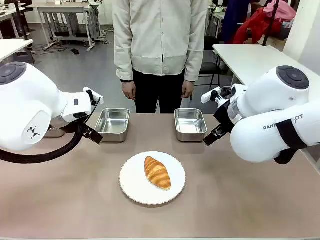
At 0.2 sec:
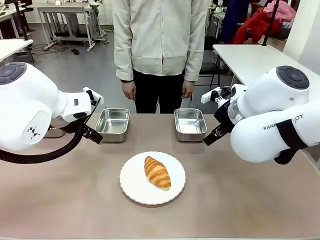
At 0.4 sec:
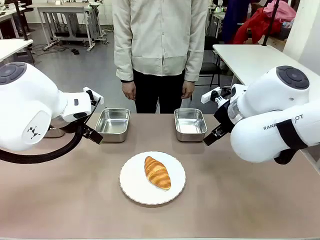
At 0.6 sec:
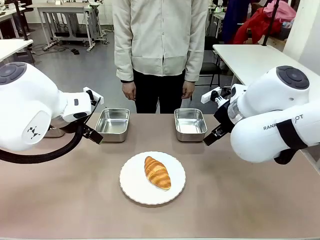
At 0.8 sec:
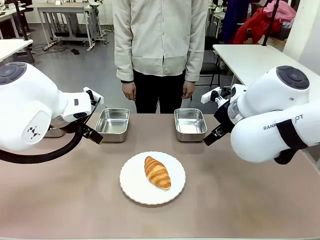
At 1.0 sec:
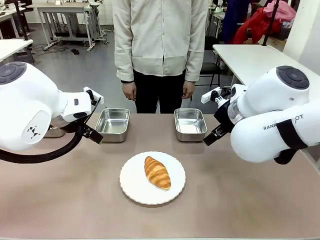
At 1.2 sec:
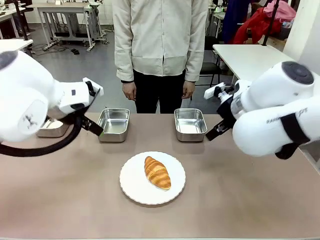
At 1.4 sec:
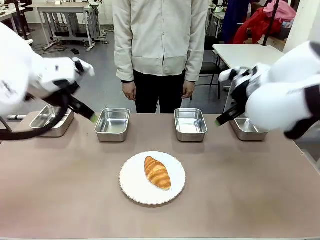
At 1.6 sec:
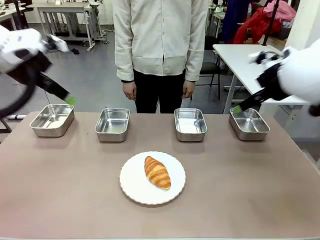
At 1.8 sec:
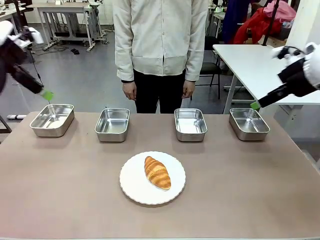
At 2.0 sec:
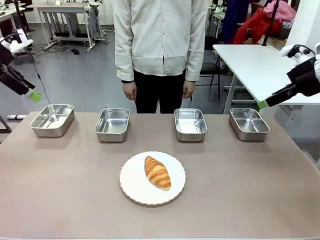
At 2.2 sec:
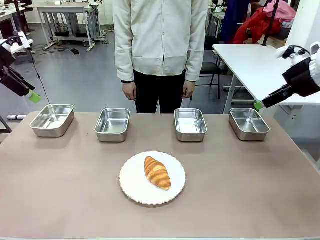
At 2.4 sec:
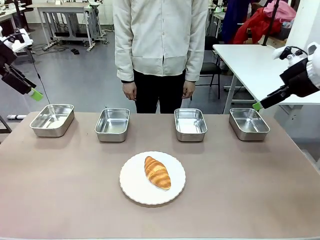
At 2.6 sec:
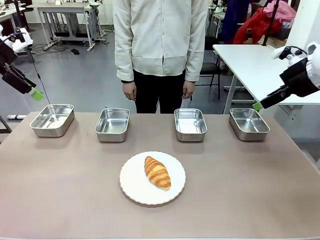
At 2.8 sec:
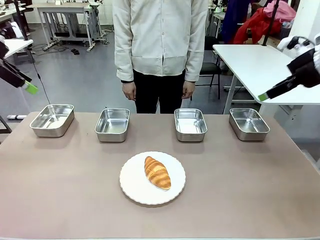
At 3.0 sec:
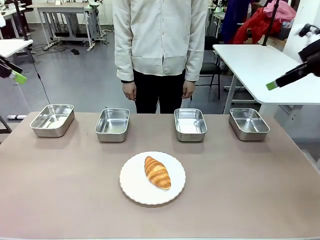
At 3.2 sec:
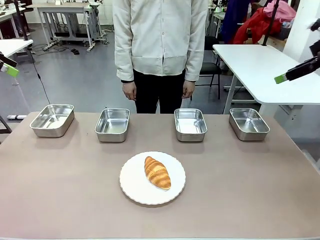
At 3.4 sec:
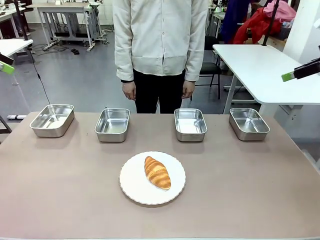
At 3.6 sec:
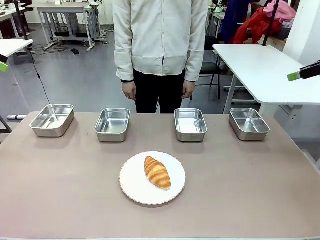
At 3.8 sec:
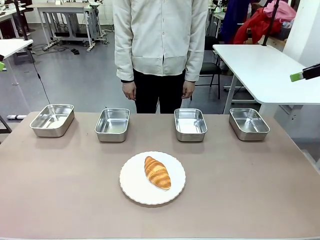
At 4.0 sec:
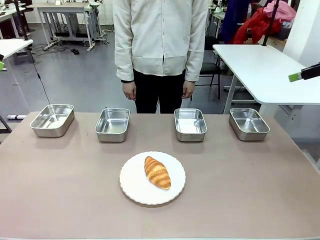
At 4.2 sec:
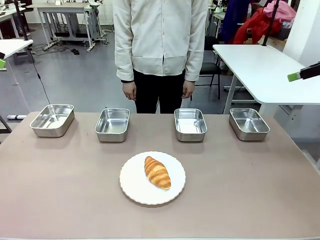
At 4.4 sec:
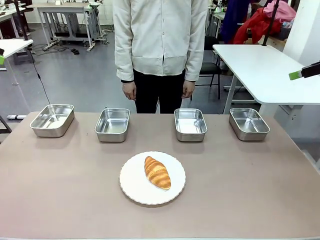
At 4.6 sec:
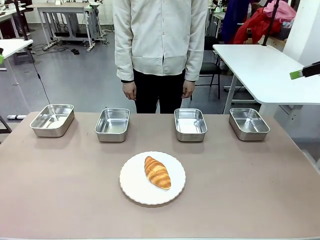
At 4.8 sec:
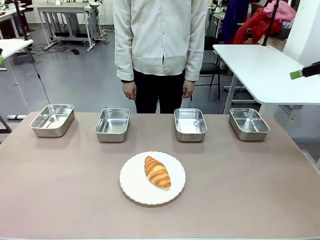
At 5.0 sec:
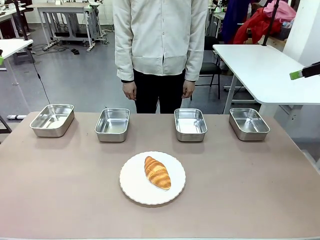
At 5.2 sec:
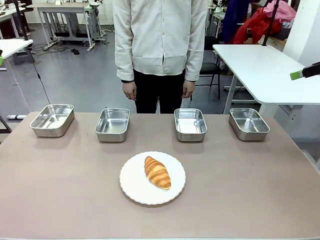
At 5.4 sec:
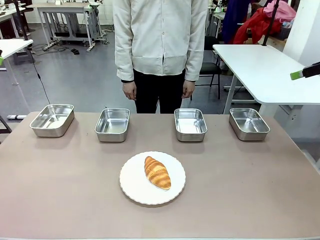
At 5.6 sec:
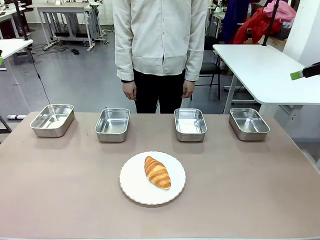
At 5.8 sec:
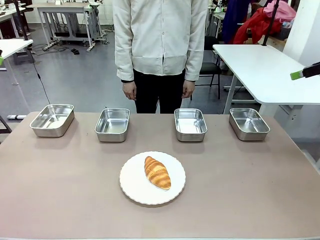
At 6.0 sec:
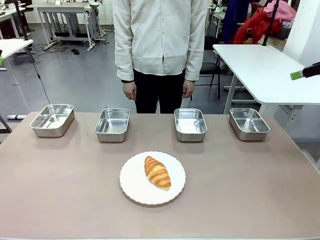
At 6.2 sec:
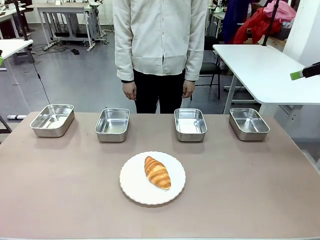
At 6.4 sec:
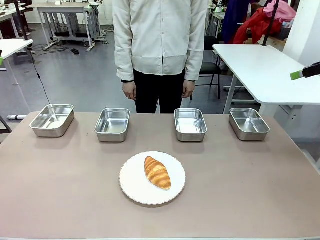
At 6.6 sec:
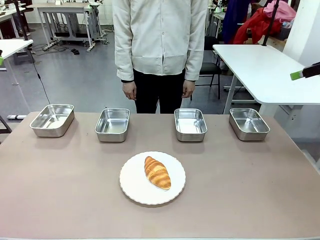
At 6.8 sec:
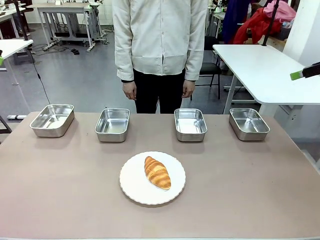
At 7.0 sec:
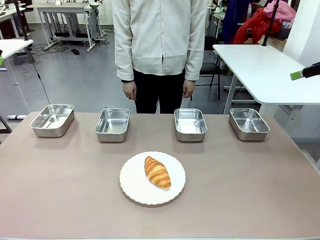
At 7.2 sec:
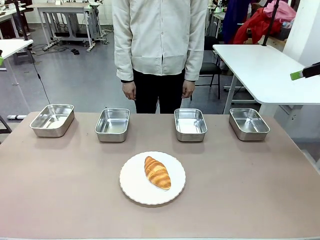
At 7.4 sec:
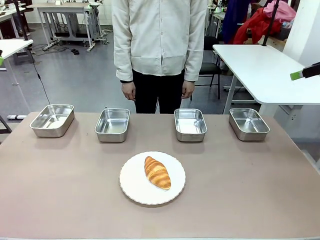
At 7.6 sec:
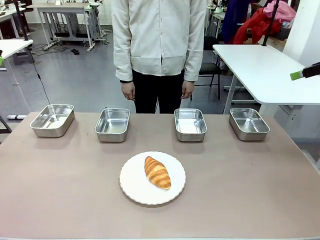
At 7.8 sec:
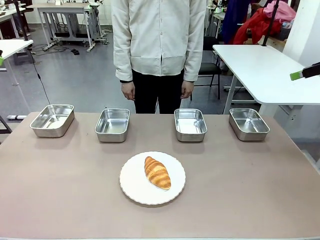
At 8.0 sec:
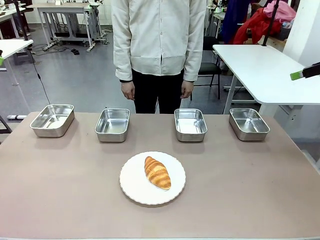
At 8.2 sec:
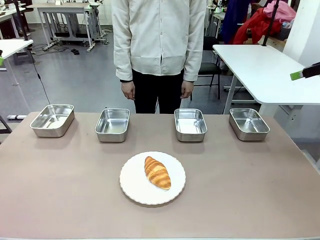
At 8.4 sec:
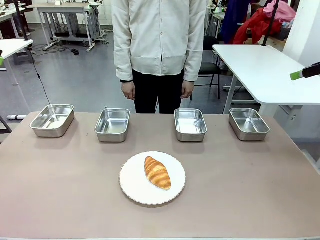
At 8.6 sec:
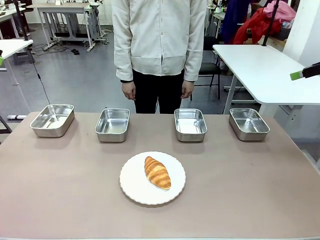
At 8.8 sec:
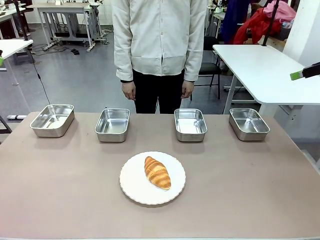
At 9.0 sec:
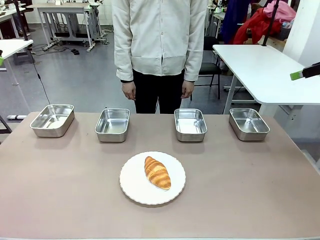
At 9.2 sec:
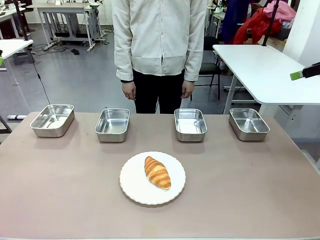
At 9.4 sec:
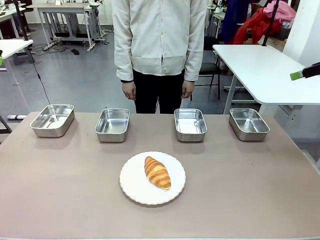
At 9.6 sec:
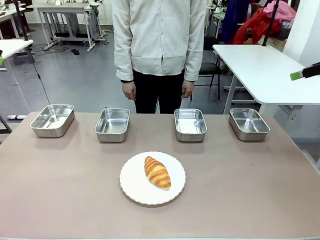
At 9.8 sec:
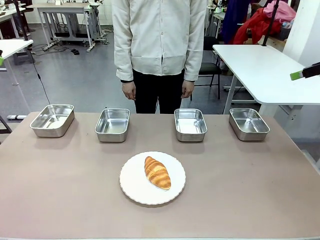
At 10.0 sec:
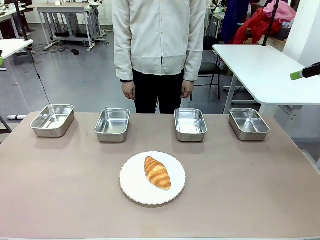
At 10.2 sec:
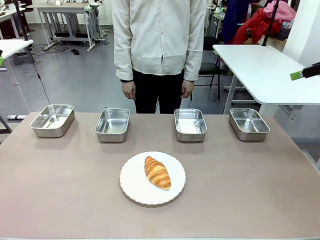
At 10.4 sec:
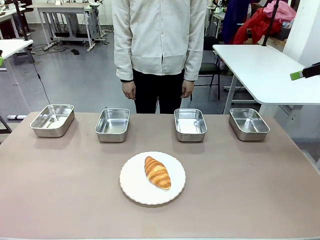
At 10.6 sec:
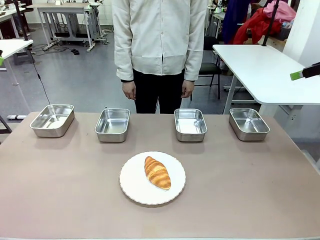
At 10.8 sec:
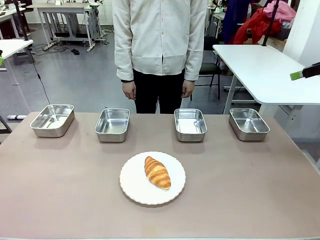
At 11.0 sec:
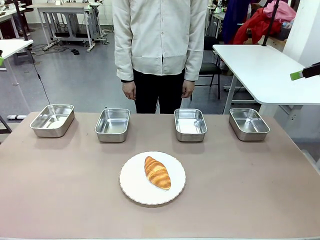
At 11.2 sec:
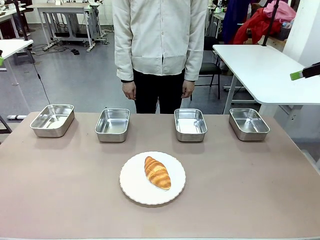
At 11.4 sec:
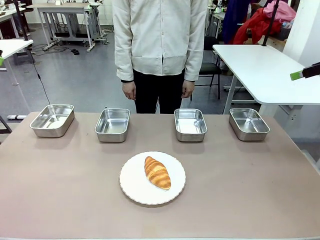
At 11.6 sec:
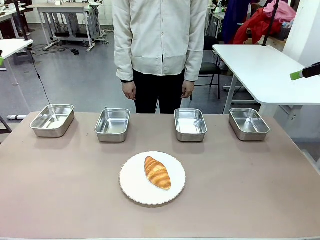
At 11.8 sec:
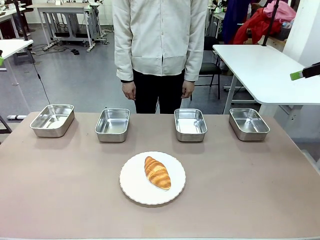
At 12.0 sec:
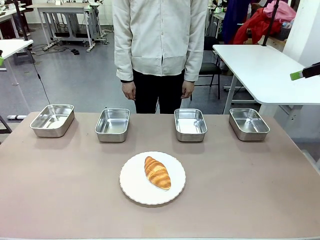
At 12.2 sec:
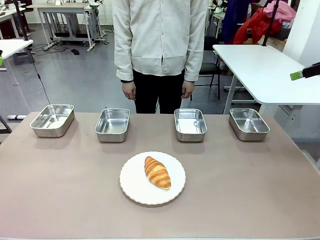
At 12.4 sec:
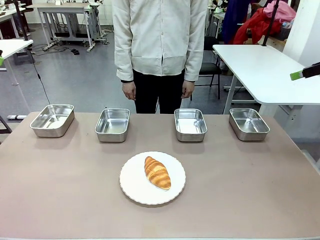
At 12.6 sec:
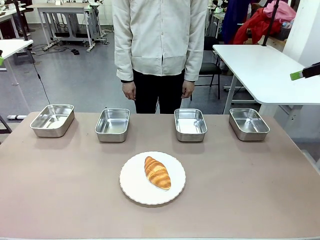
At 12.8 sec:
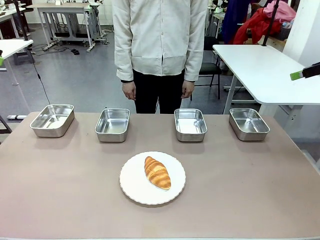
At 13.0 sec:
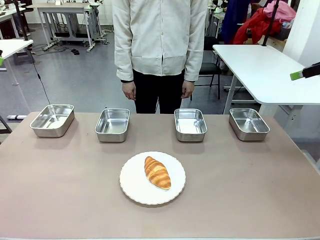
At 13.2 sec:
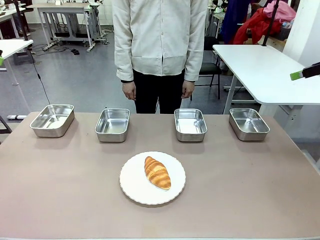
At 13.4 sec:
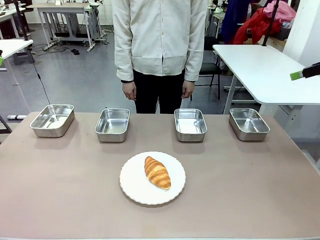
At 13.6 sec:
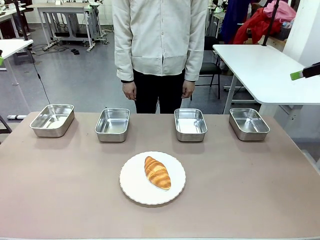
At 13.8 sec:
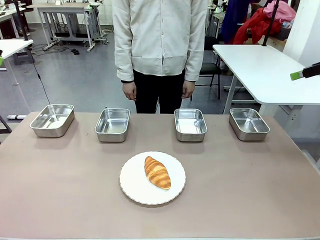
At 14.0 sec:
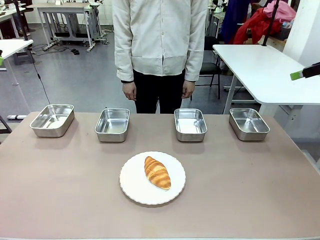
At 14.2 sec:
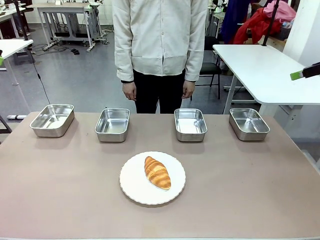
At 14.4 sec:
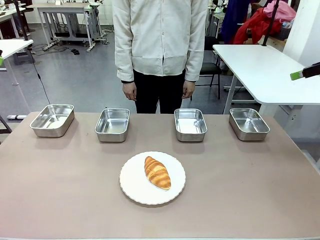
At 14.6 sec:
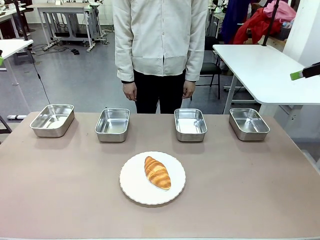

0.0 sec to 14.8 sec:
Task: Place the bread in the container.
Robot: Place the Butter Roll into the Airtight Container indicated by the human.
